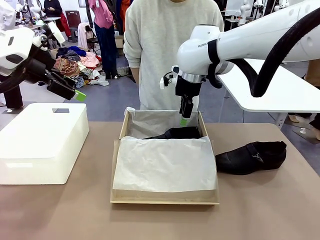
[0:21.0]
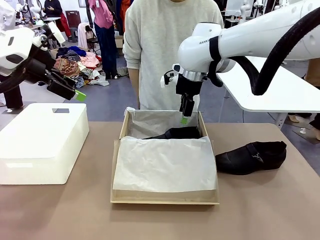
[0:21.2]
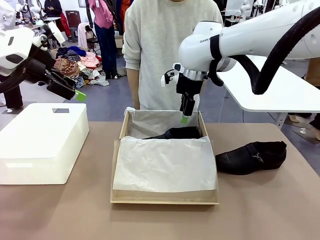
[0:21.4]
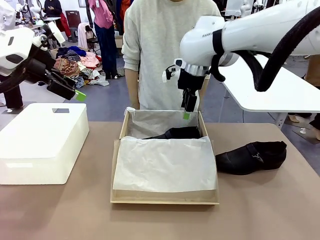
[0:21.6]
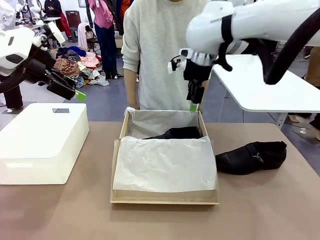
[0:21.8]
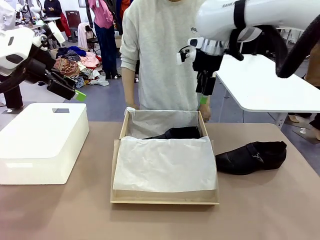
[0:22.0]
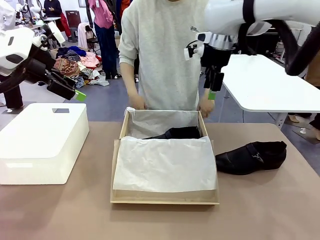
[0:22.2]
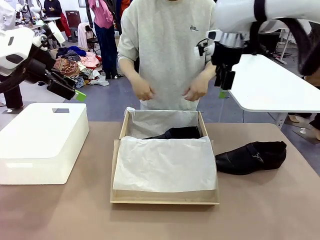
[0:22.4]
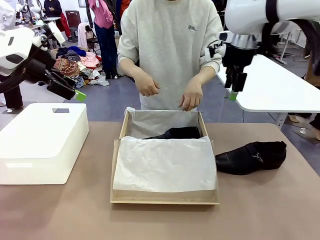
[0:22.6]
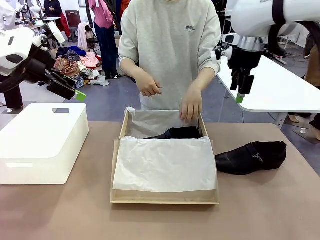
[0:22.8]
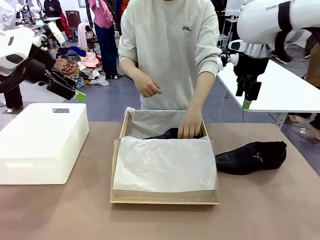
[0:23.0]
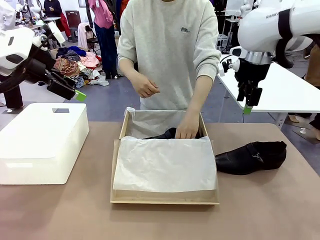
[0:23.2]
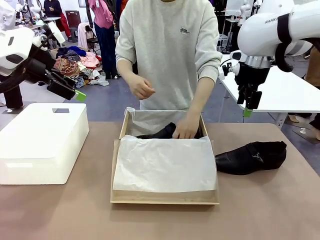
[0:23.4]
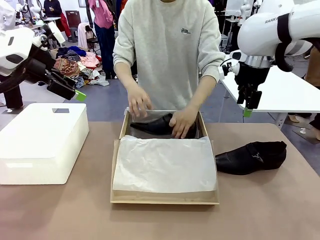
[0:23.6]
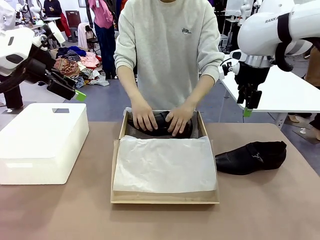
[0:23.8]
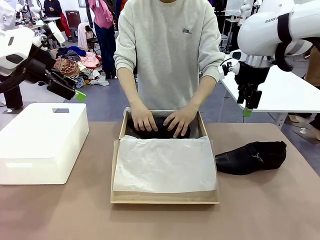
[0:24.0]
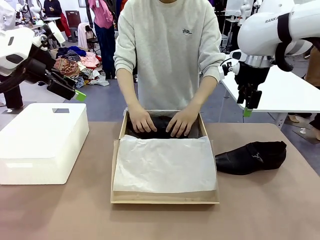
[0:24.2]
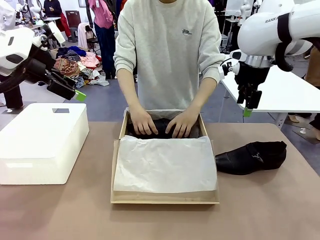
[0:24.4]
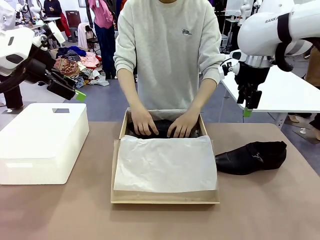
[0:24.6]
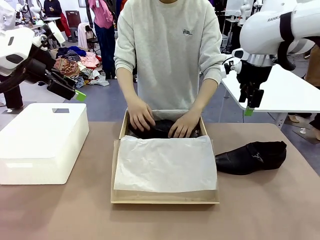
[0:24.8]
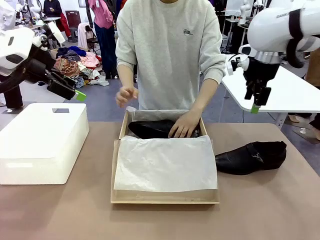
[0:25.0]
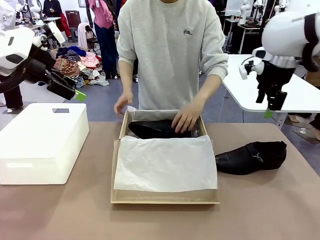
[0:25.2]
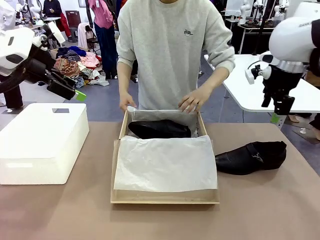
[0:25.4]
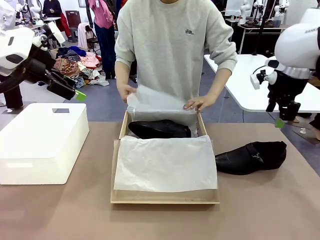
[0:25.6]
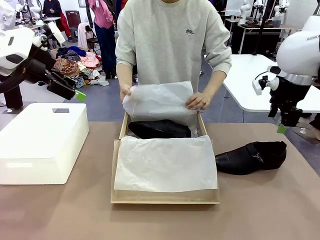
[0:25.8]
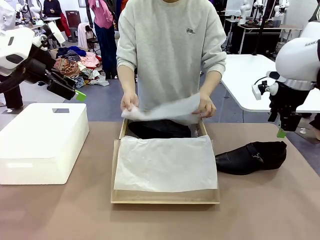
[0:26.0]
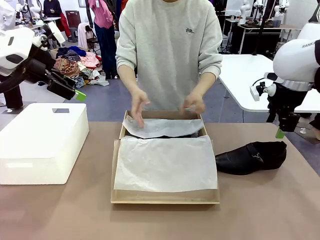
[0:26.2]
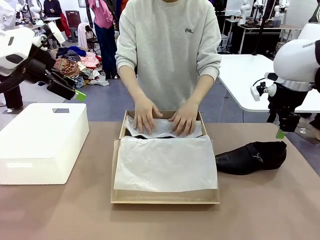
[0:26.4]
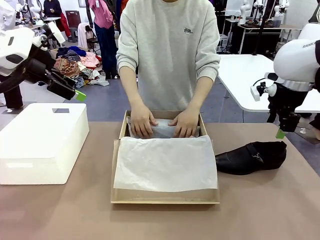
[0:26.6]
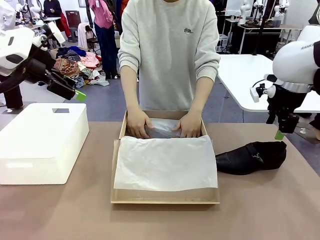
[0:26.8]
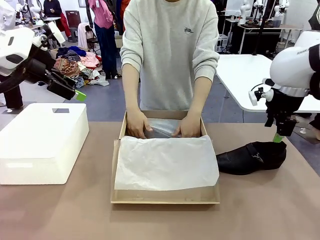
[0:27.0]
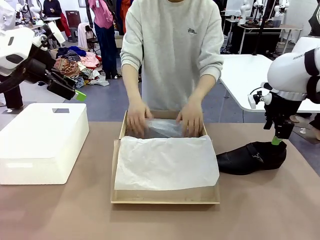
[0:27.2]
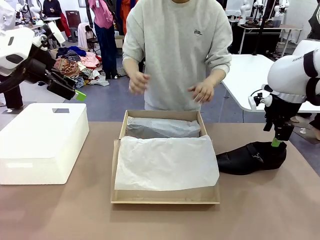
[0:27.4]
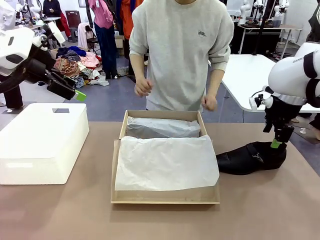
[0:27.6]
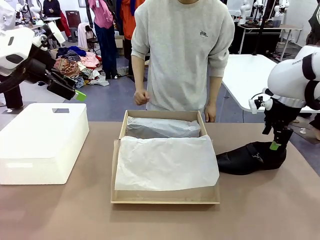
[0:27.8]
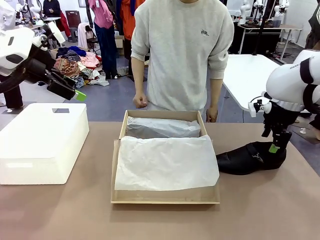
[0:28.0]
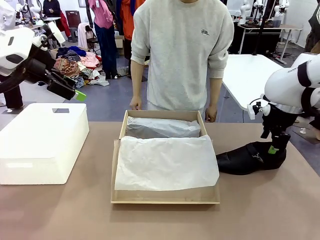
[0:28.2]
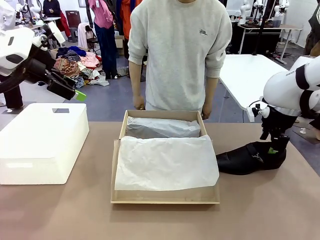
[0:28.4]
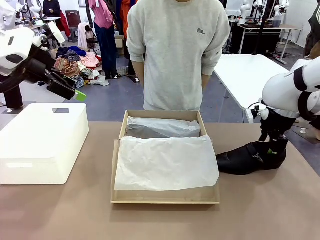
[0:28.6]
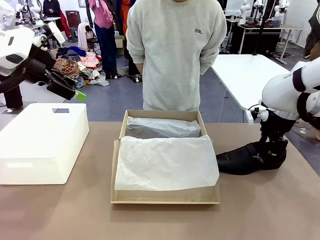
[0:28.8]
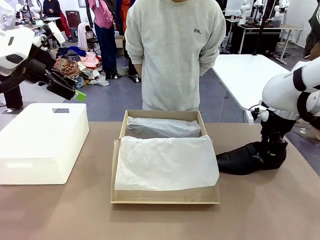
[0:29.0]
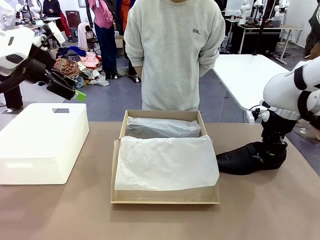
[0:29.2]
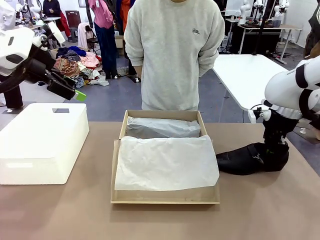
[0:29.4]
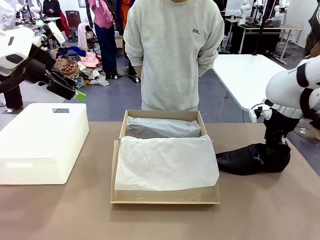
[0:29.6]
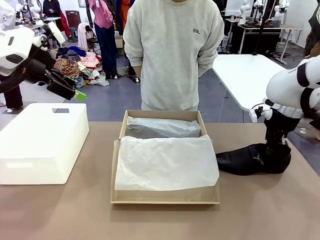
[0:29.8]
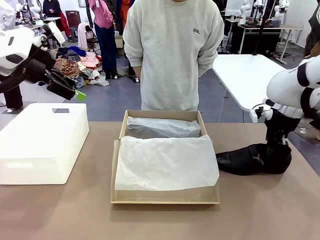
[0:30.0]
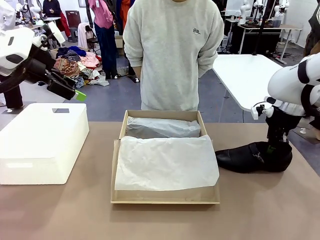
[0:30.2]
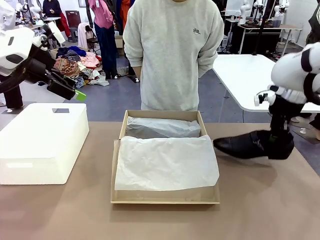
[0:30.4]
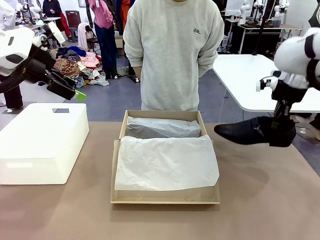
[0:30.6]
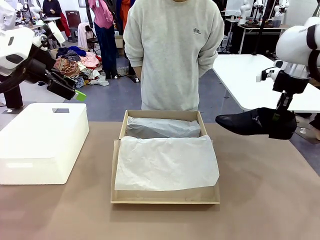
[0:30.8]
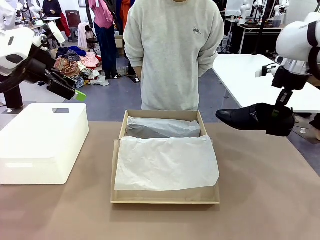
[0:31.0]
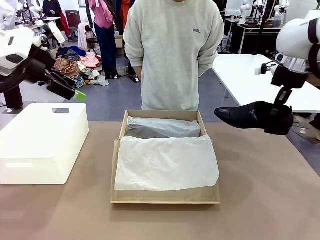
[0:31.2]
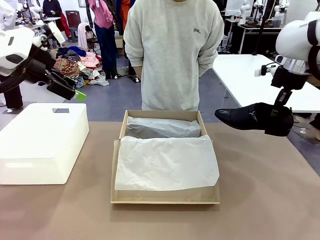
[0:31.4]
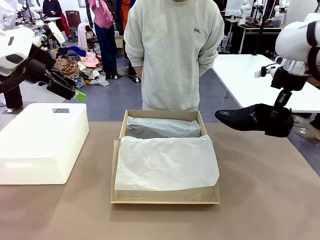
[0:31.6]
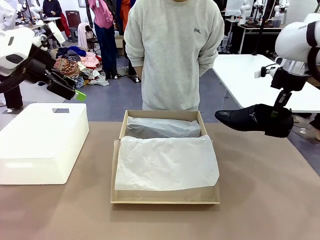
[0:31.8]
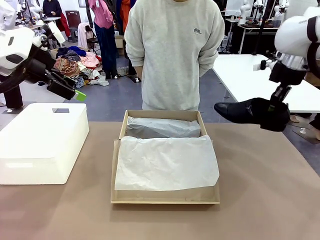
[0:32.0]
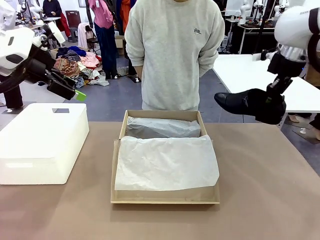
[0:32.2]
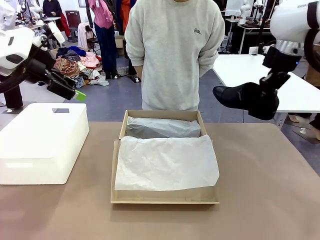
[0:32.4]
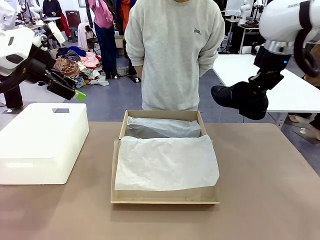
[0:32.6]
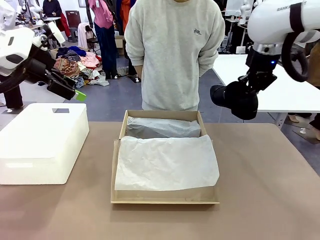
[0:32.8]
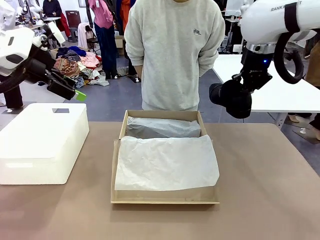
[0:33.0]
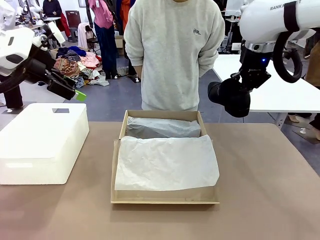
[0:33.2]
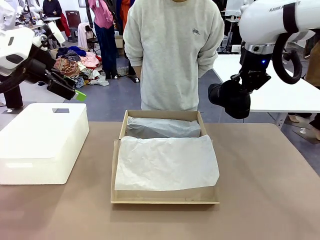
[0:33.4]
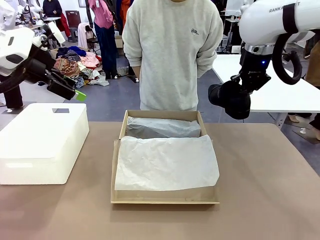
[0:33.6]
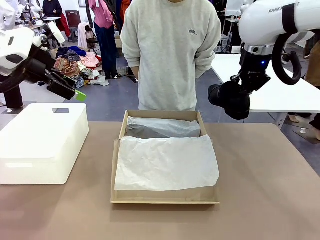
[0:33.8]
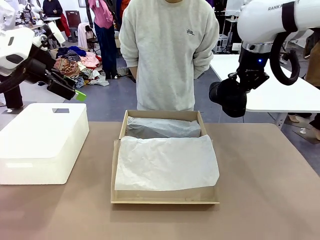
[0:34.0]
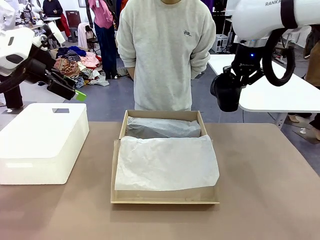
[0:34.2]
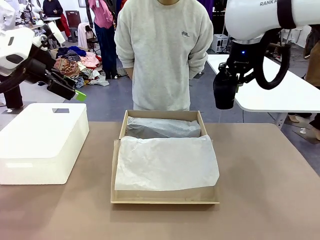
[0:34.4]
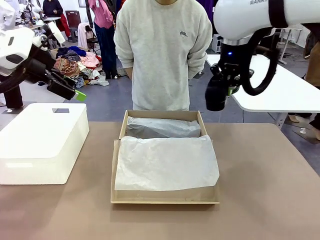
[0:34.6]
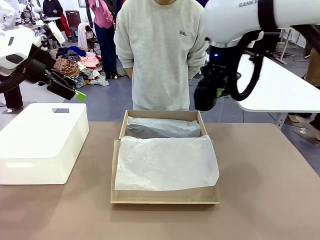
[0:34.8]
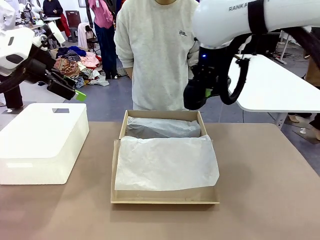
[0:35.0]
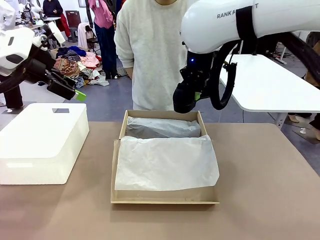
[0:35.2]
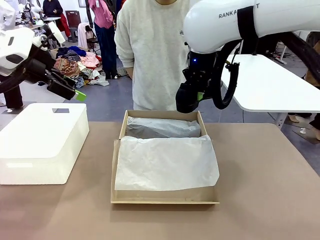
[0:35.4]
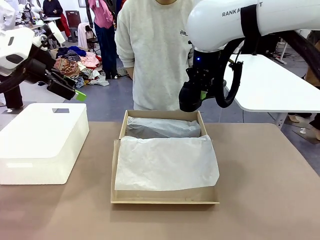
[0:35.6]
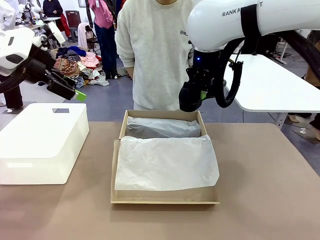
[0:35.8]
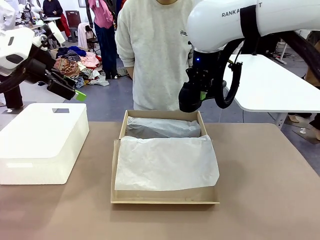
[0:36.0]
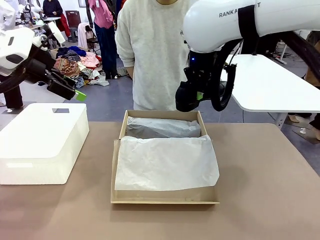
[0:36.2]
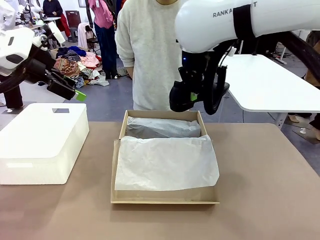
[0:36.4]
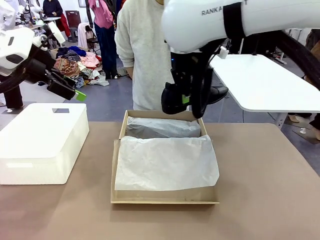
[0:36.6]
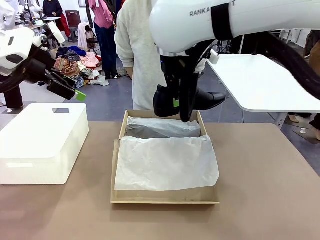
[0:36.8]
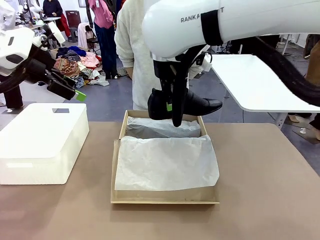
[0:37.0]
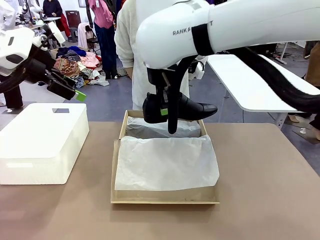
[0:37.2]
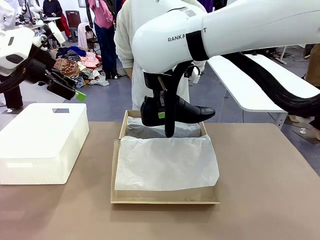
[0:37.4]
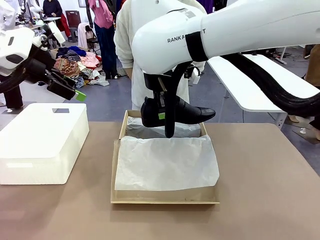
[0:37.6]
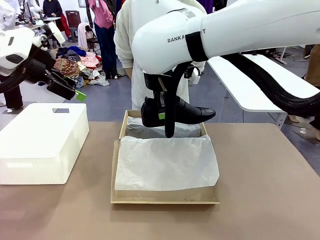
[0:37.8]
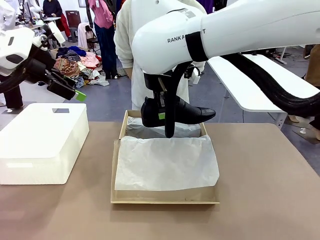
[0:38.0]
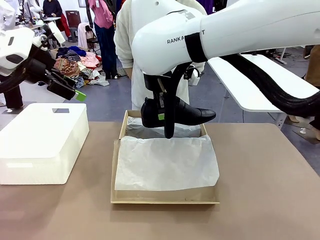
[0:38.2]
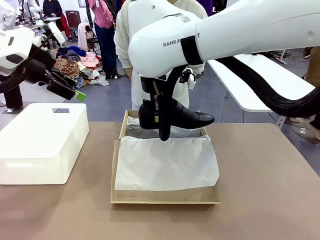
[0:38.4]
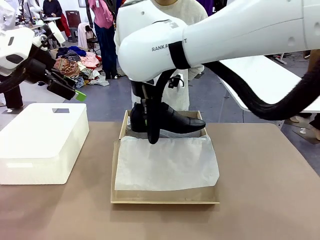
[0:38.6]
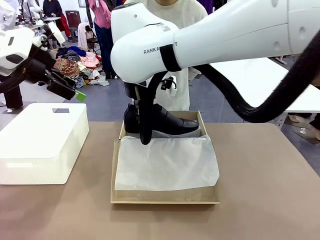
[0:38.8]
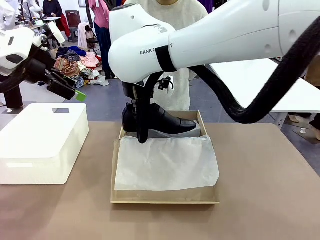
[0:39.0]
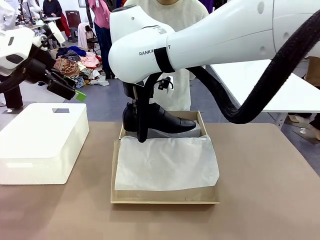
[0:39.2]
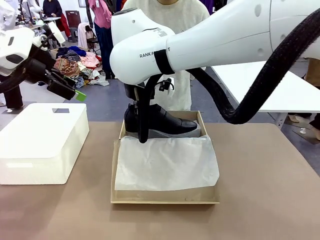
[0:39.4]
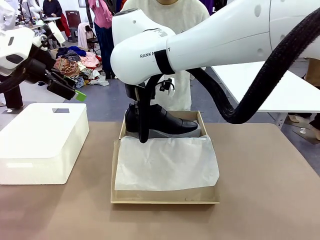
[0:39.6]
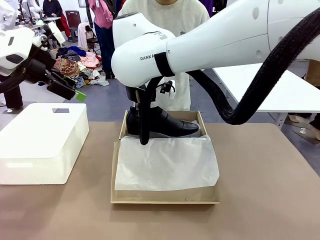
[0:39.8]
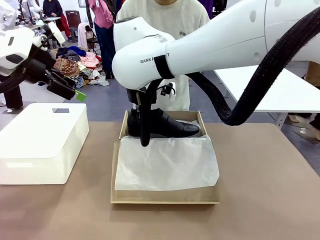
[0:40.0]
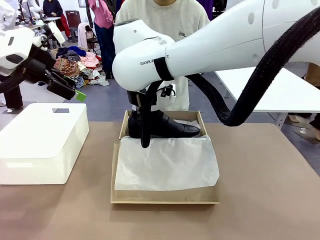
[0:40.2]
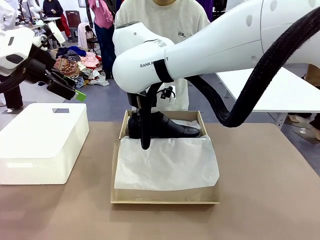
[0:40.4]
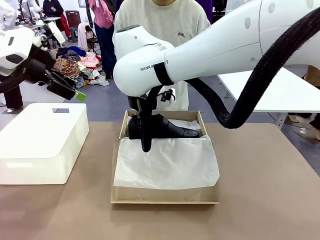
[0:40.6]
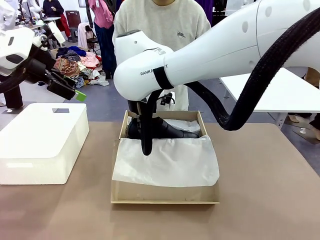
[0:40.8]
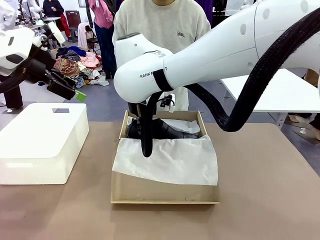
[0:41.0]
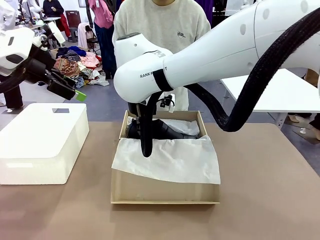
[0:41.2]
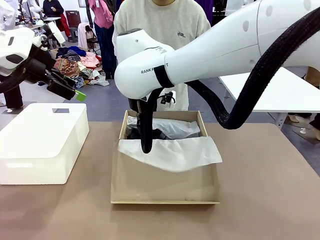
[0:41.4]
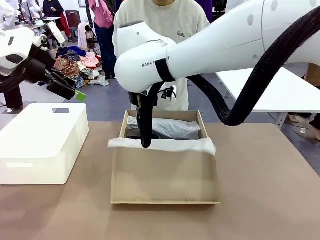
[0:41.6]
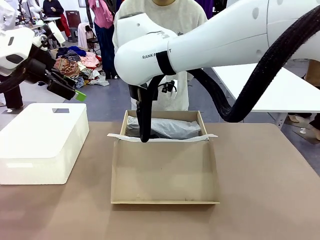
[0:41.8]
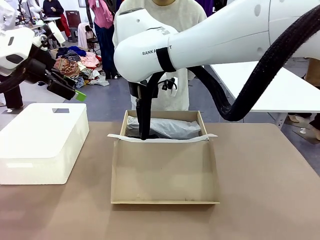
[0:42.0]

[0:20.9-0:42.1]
Task: Pack the shoes into the box.
Robot: Place the other shoe of the Shoes into the Shoes Box.
Person: Pack a shoe of Shoes inside the Shoes Box with Shoes Wrapping Paper.
